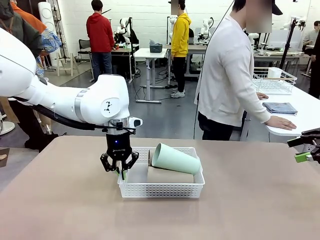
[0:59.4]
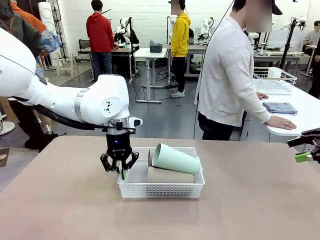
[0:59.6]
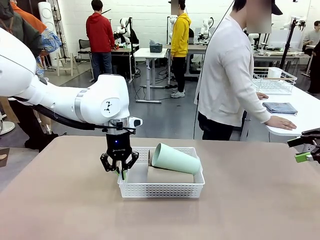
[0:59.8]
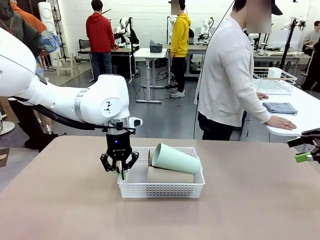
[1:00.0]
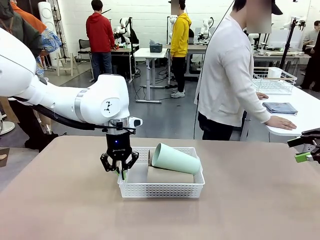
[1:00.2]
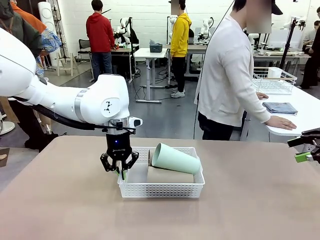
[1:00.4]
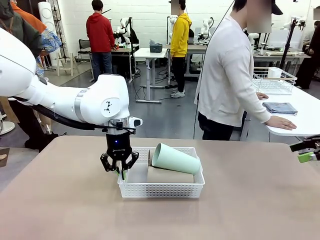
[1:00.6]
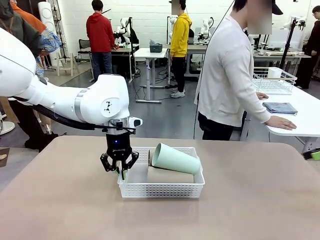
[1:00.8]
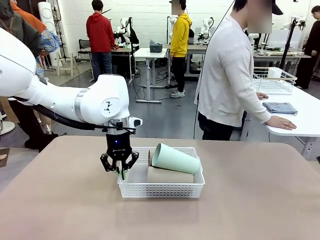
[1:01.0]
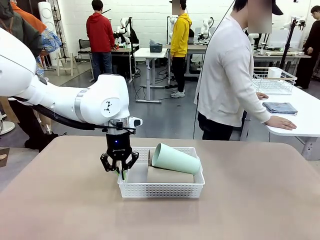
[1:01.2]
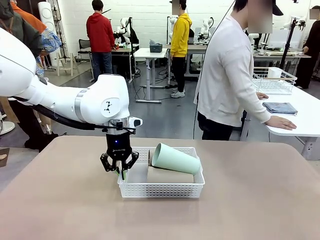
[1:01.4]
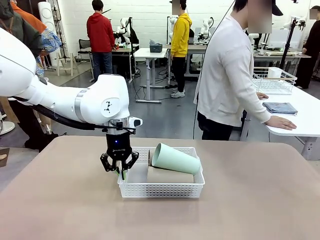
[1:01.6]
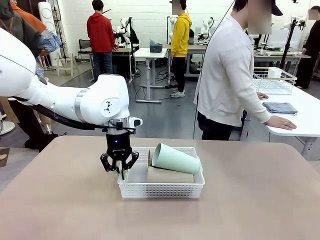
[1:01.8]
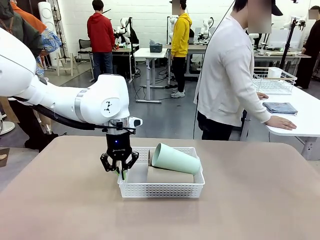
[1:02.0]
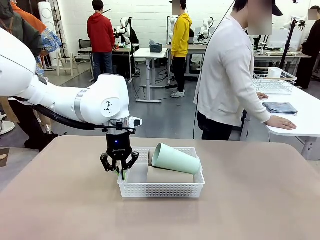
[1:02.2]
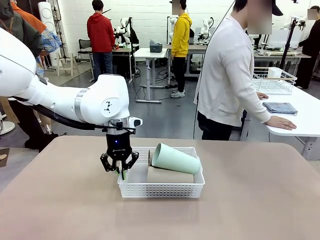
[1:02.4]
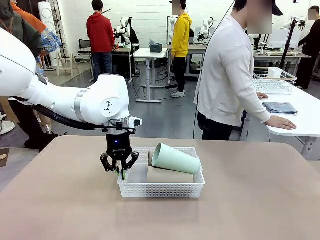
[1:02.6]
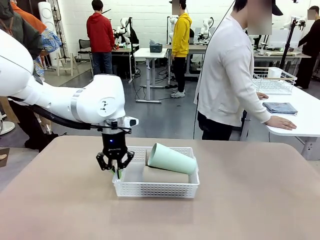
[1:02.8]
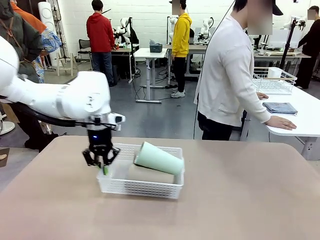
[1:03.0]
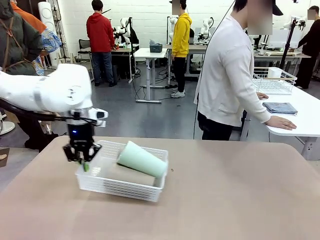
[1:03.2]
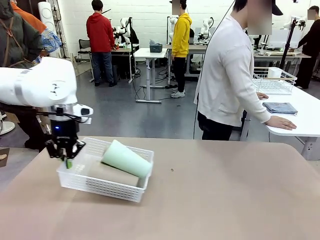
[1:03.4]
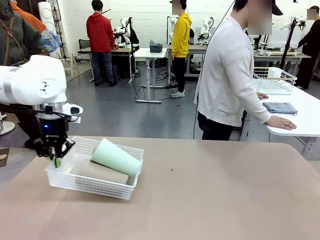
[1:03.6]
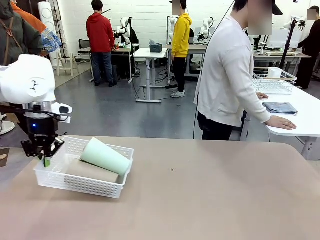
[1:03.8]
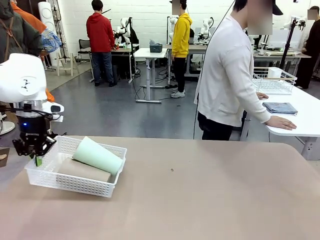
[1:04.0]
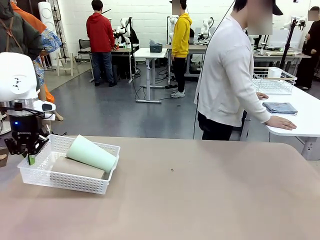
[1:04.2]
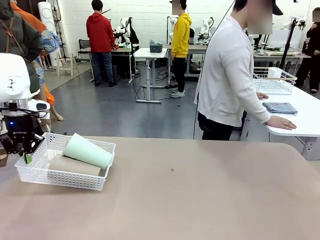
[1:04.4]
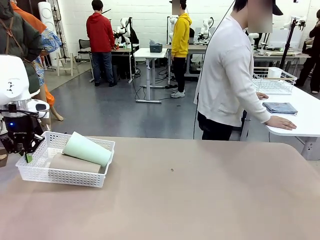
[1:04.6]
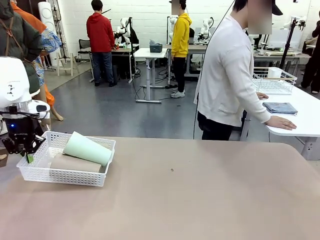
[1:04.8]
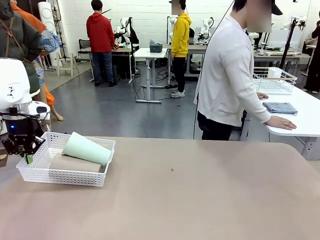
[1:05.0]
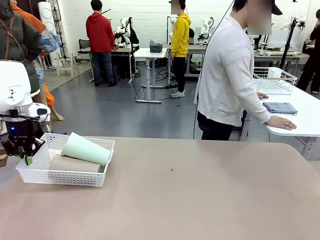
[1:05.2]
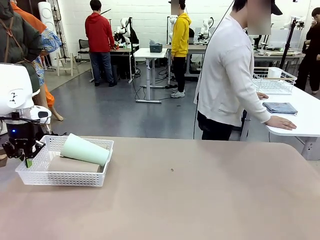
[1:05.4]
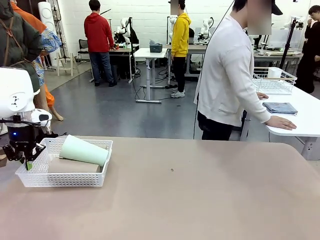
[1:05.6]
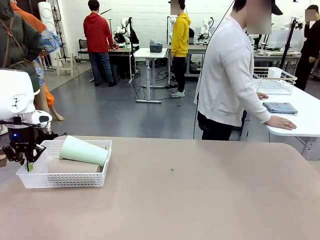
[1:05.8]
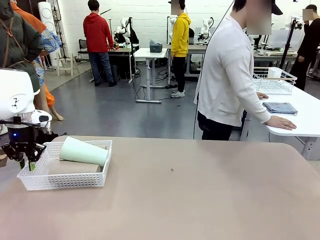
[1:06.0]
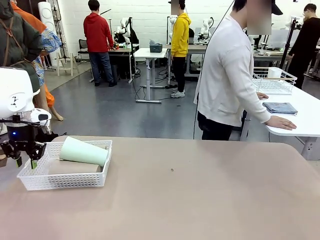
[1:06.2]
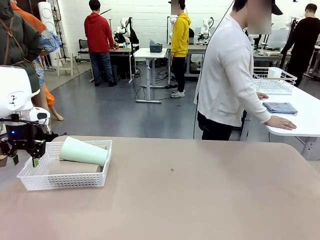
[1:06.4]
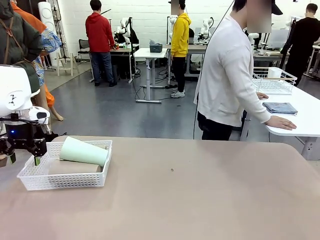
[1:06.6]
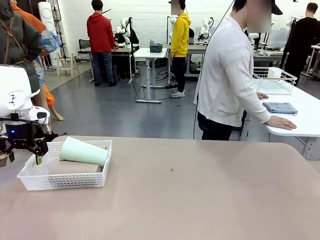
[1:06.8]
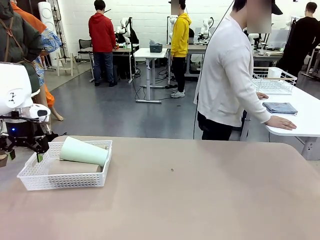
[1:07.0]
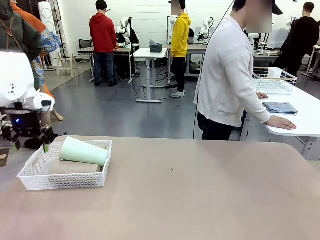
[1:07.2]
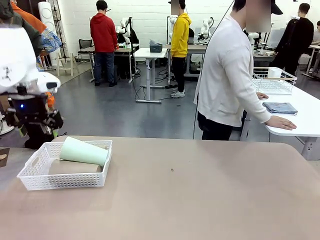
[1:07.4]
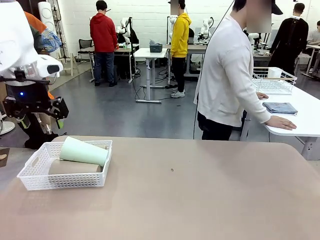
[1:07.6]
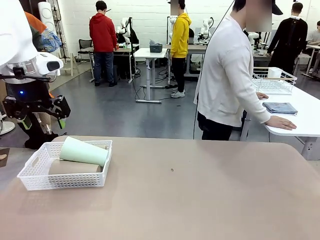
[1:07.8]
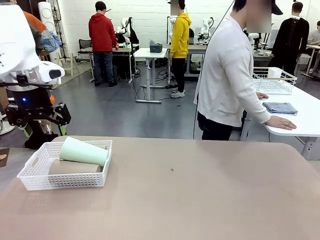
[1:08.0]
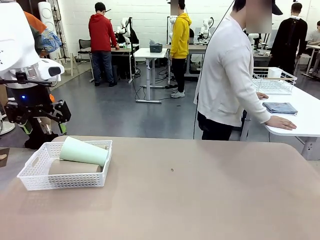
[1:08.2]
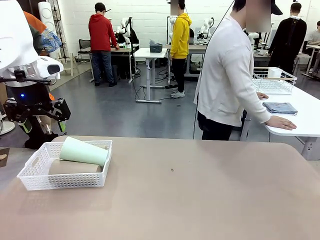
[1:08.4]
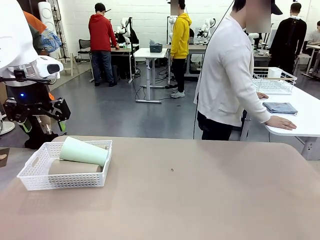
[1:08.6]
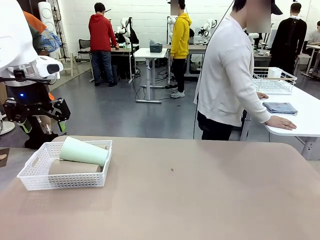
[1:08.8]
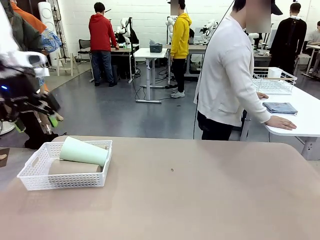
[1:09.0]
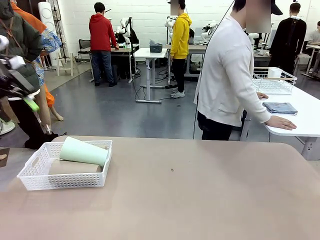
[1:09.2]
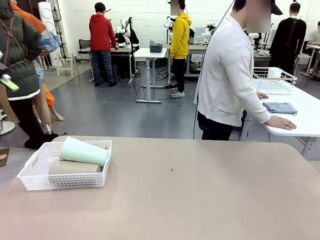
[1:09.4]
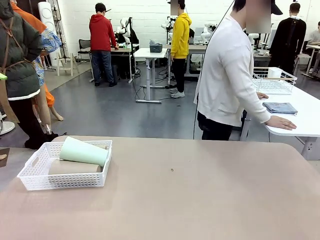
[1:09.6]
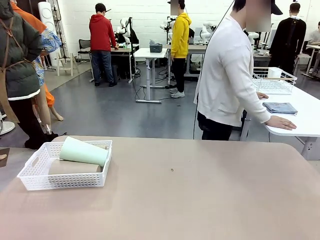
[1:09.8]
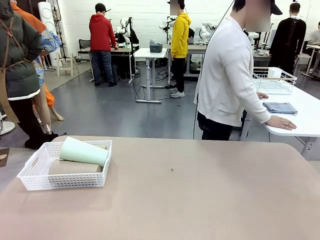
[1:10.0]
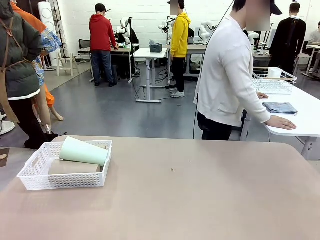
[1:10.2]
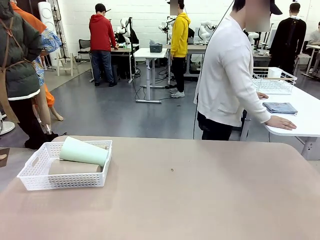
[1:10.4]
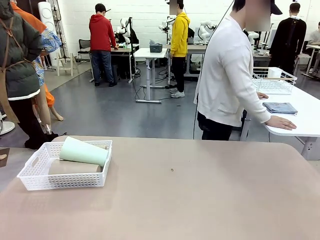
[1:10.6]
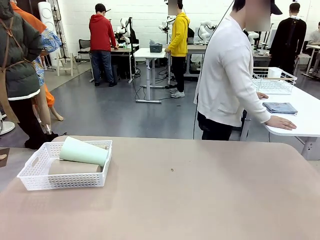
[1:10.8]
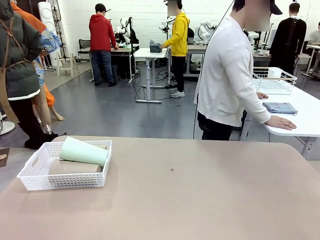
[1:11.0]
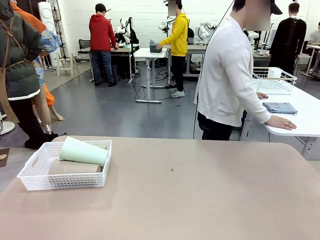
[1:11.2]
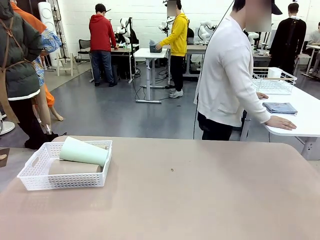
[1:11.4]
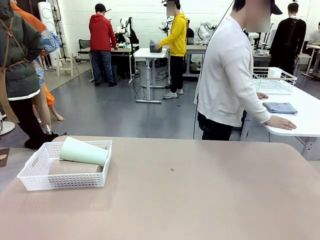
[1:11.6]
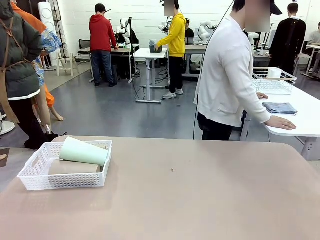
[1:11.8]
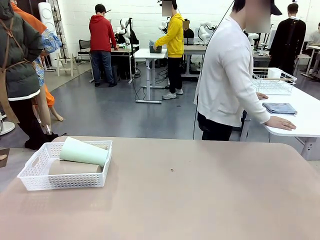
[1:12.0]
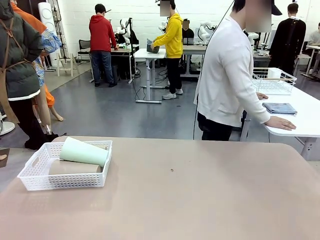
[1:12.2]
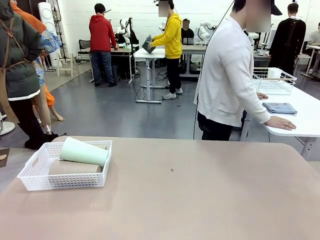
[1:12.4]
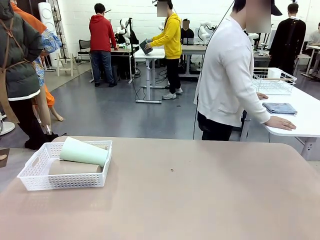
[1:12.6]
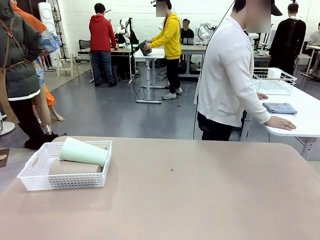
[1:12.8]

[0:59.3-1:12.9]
Task: Clean and organize the cups into the basket.
Robot: Move the Organizing basket back to the left side of the table.
Person: Folds the towel in half twice and places it in the right of the table.

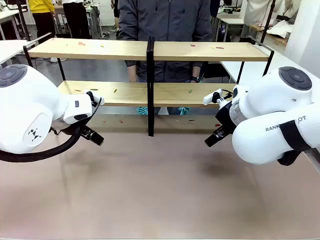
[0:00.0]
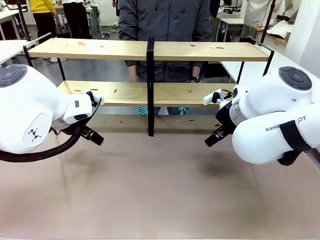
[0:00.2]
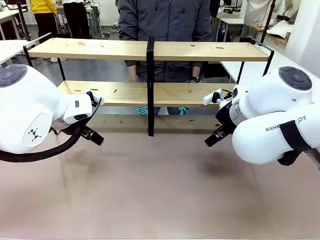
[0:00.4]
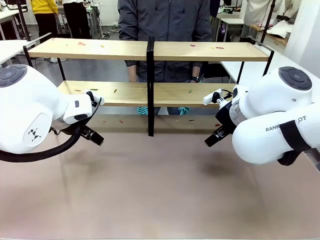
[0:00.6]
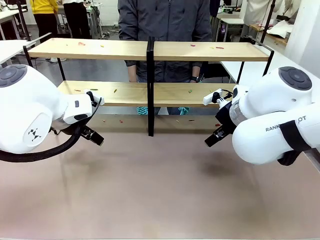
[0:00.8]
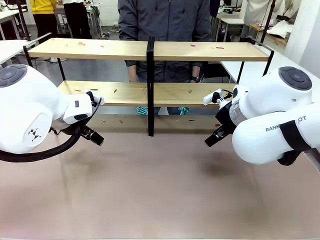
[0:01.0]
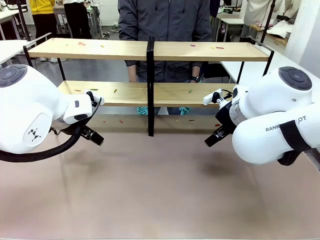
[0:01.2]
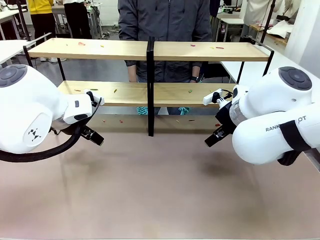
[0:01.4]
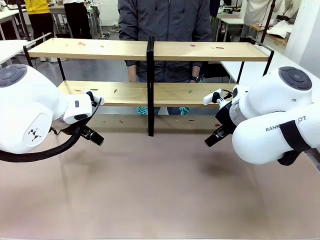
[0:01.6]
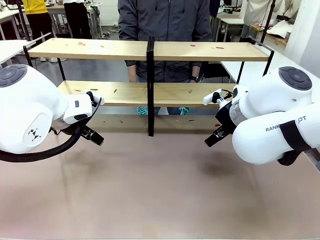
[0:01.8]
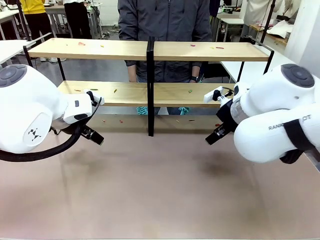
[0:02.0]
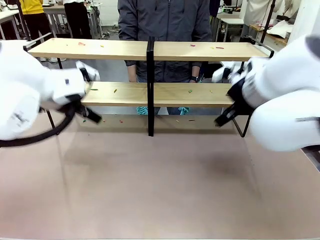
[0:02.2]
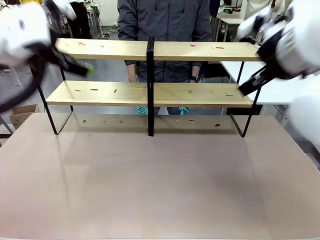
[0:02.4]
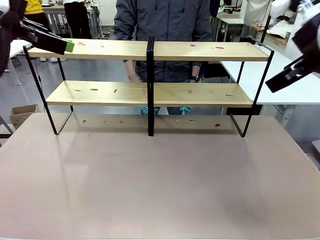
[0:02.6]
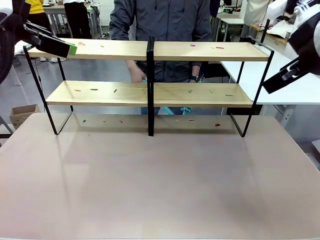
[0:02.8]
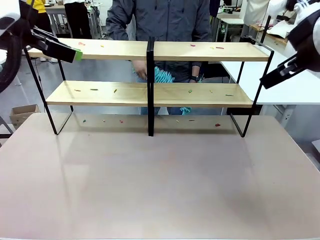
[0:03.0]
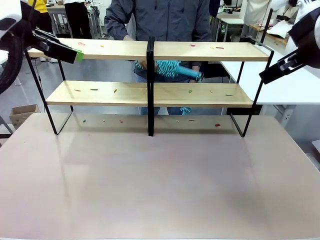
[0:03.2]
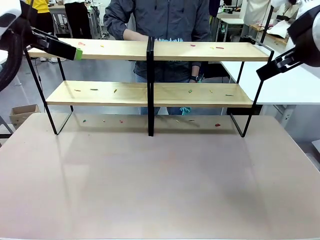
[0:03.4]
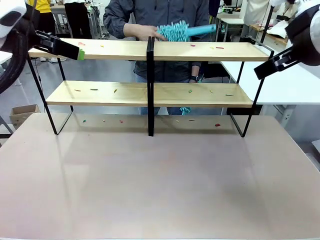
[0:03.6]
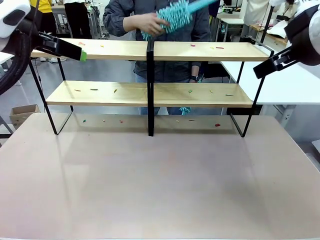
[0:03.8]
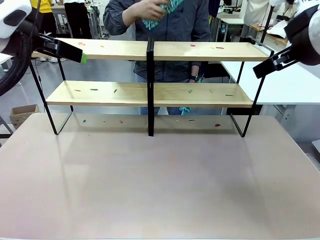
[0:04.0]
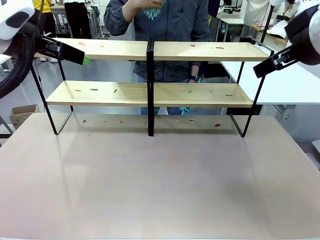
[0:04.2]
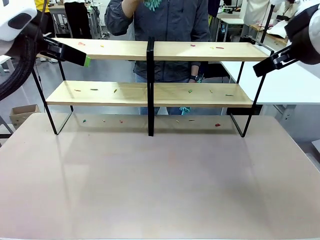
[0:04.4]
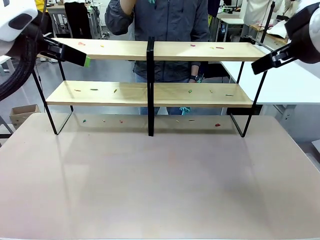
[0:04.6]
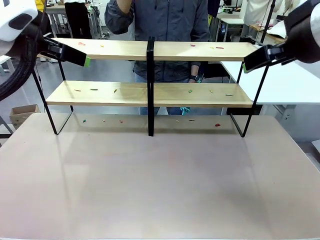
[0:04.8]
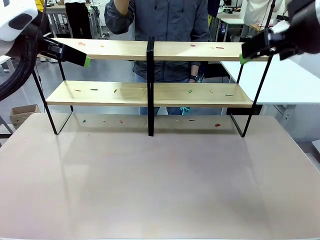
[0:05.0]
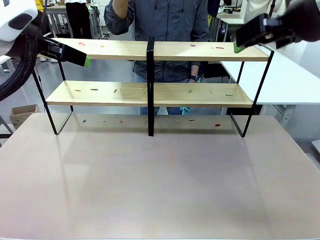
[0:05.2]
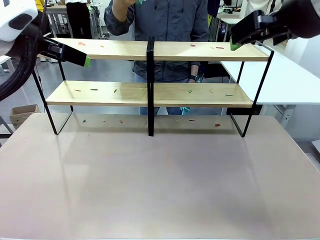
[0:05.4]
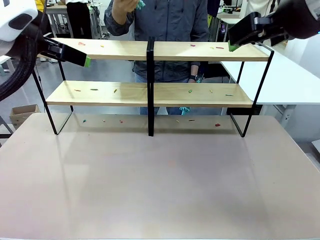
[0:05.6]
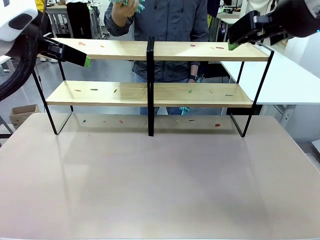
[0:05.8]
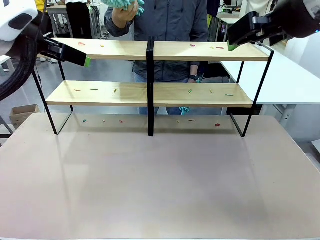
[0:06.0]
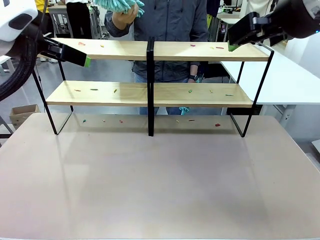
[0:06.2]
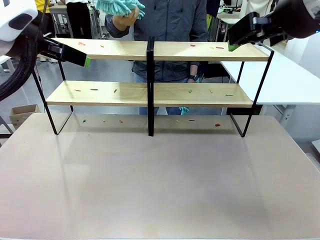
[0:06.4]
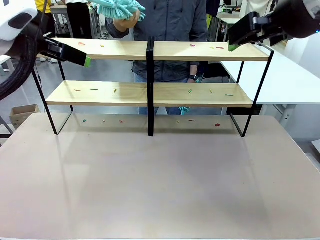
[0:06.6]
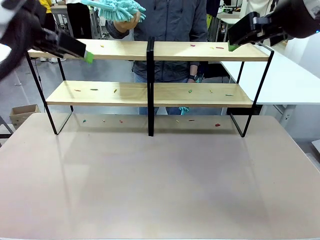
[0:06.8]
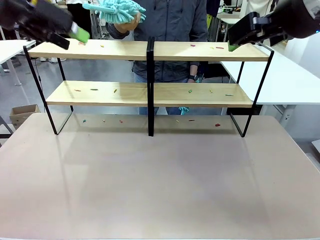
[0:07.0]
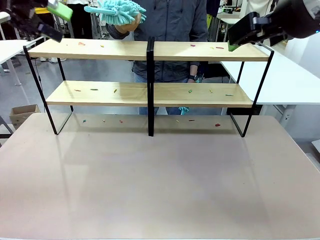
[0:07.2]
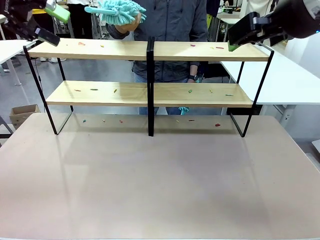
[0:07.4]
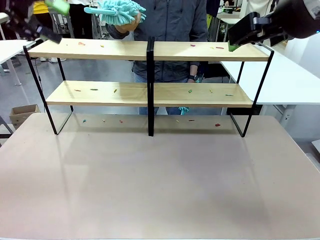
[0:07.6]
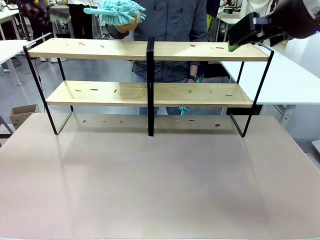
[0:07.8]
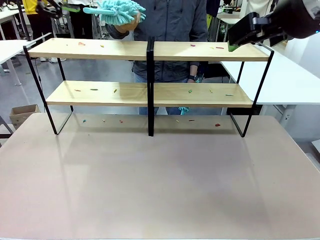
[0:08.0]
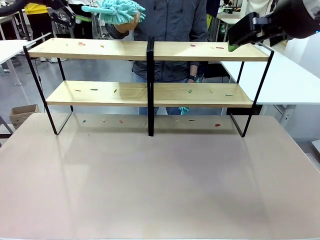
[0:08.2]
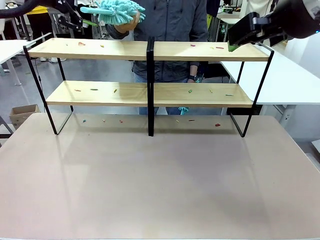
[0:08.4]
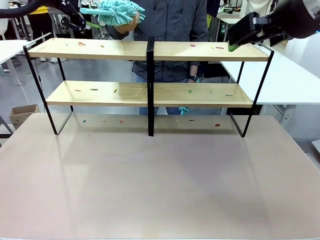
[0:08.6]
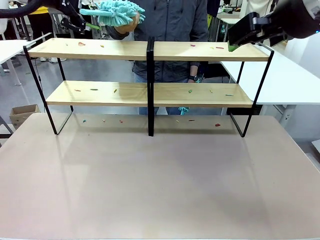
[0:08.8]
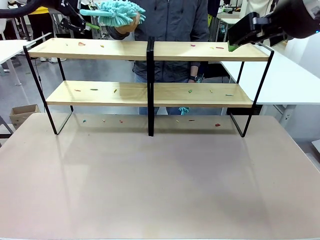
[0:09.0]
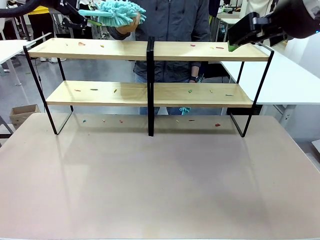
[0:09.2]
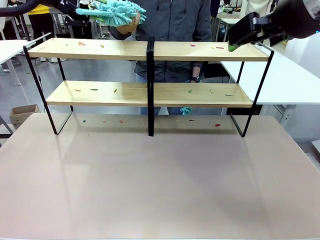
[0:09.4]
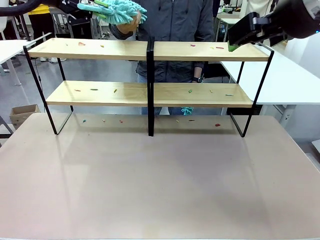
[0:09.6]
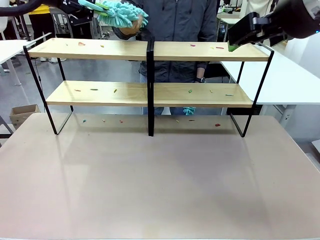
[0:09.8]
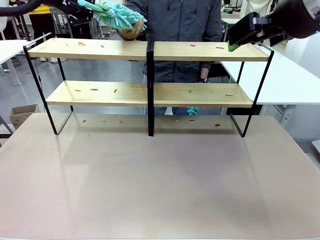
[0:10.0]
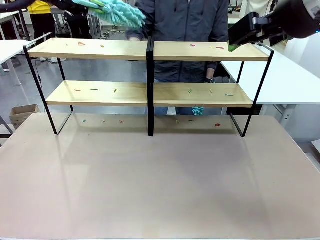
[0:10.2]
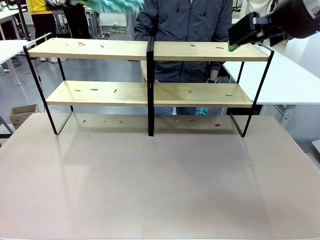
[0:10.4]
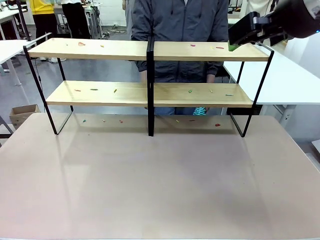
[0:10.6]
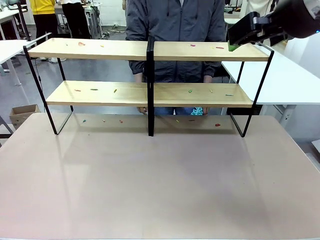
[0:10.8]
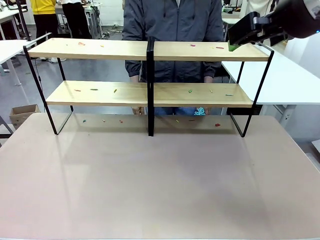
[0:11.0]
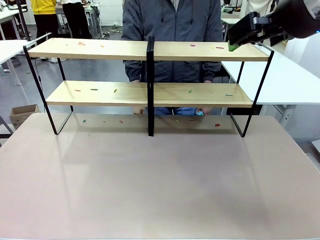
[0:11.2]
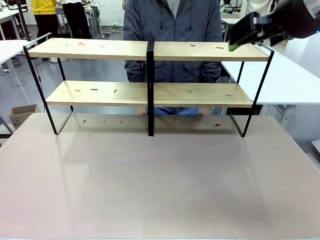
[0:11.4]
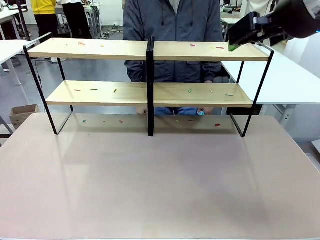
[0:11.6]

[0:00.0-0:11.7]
Task: Clean the shelves.
Robot: Pick up the Duster when the human hands it over.
Person: Hand the Duster to the robot with your right (or left) hand.
